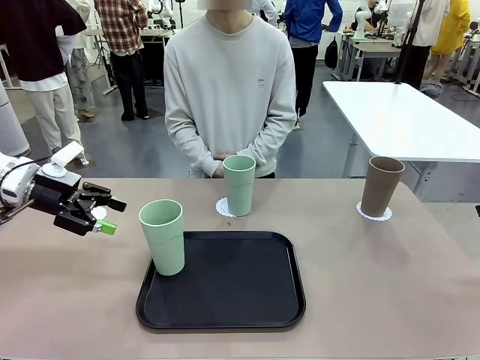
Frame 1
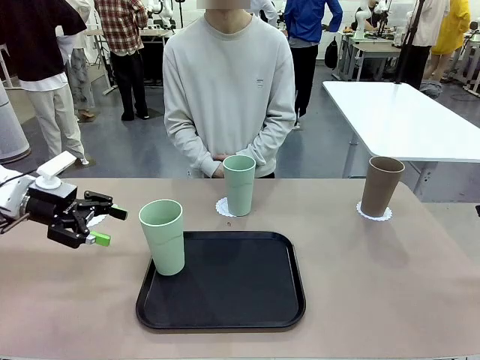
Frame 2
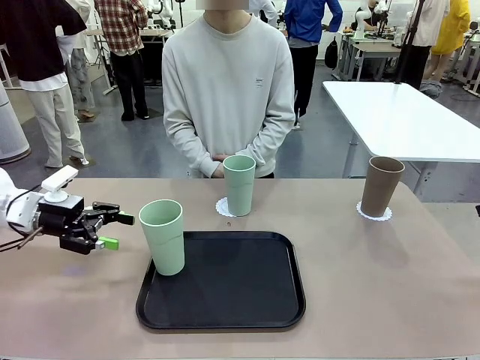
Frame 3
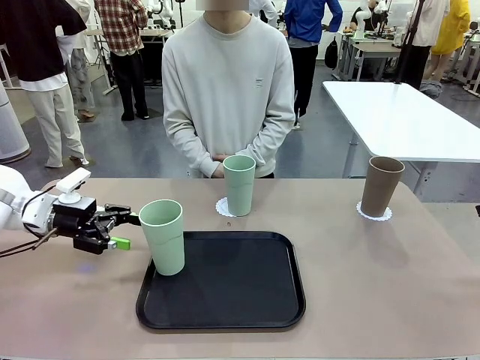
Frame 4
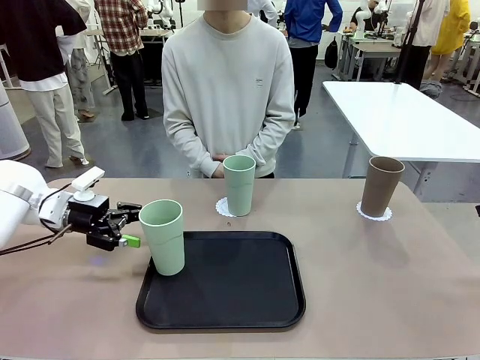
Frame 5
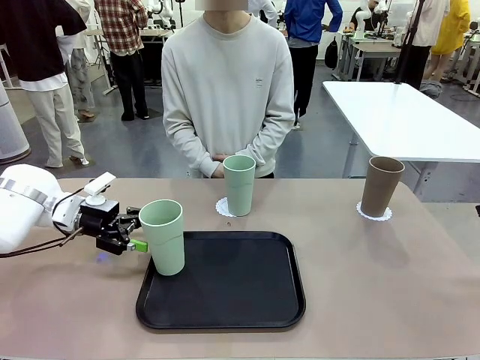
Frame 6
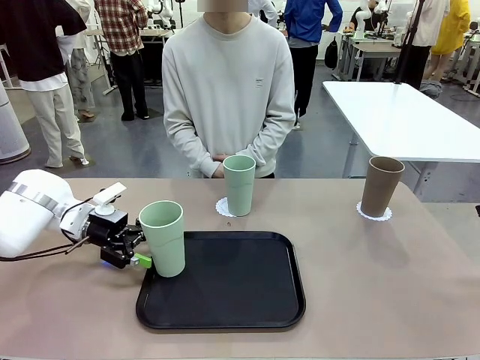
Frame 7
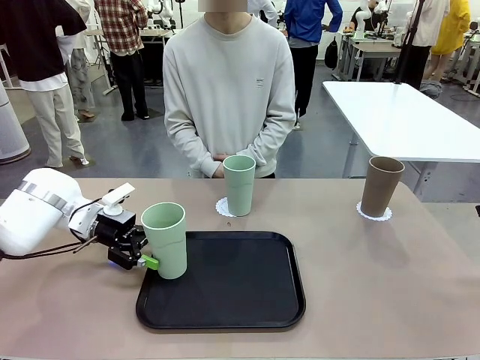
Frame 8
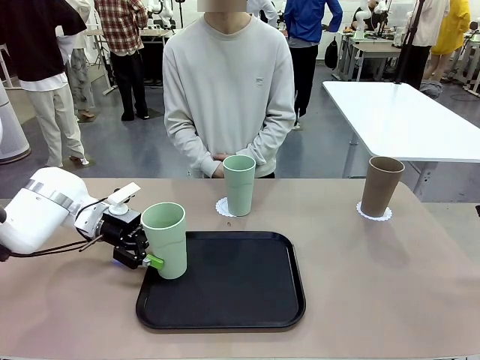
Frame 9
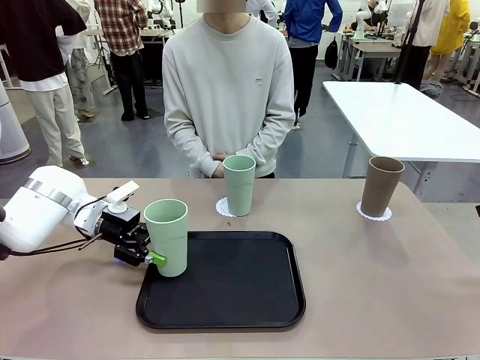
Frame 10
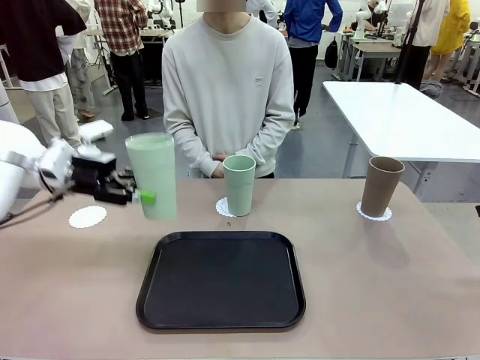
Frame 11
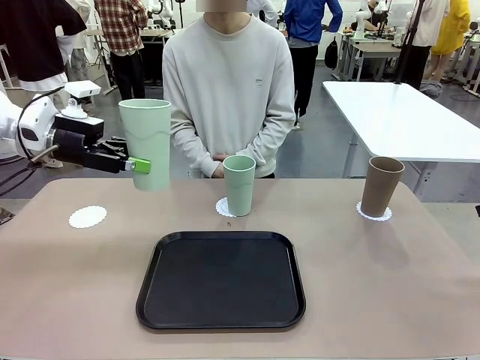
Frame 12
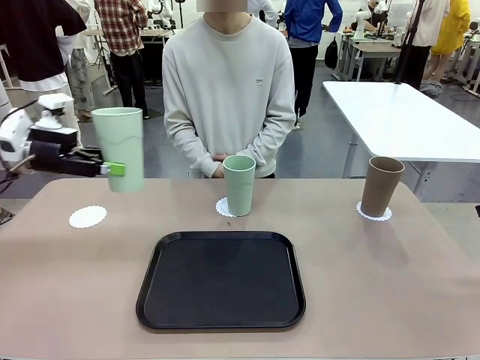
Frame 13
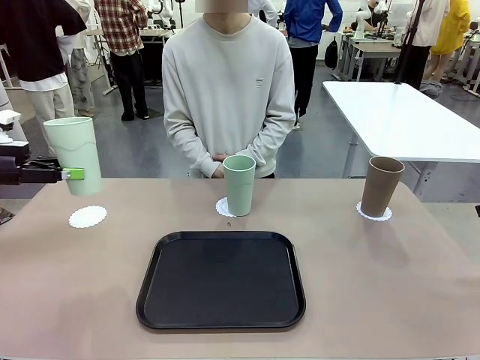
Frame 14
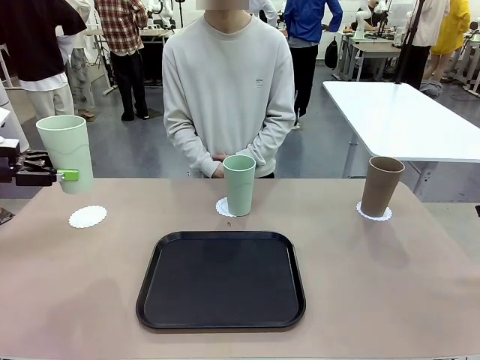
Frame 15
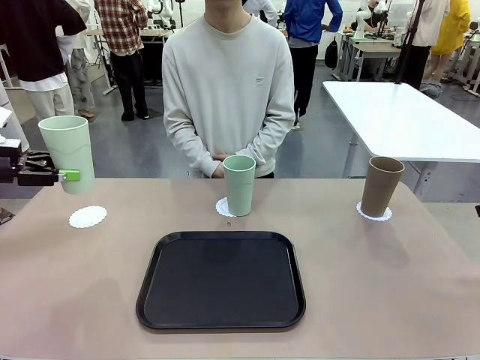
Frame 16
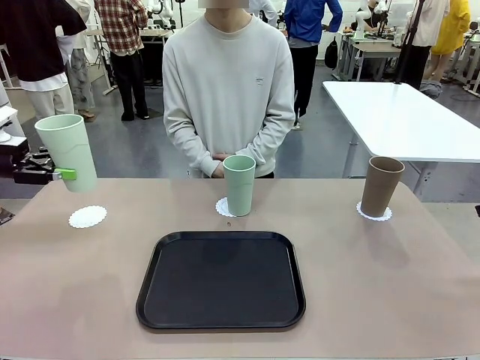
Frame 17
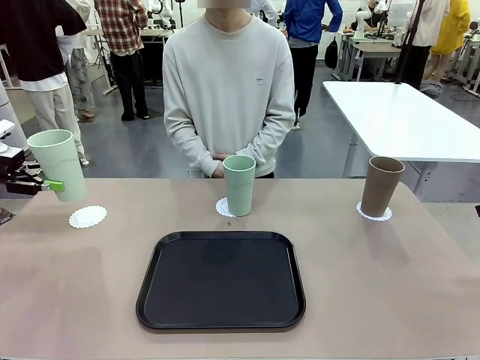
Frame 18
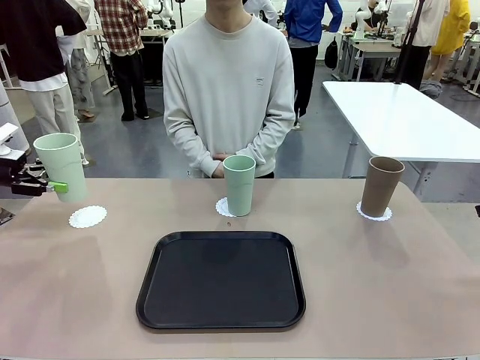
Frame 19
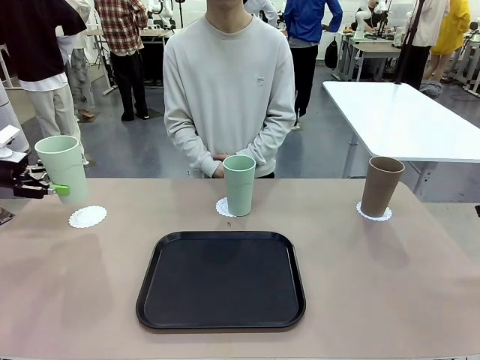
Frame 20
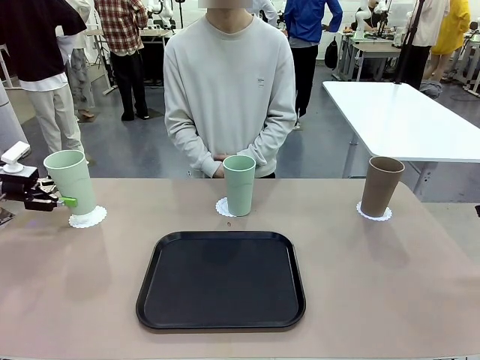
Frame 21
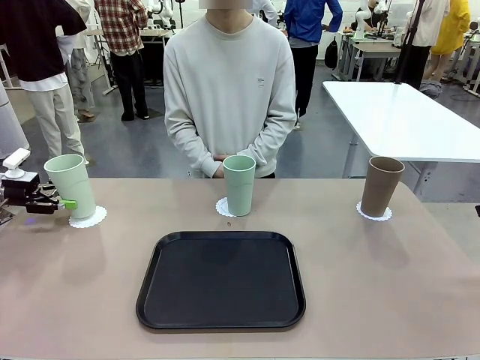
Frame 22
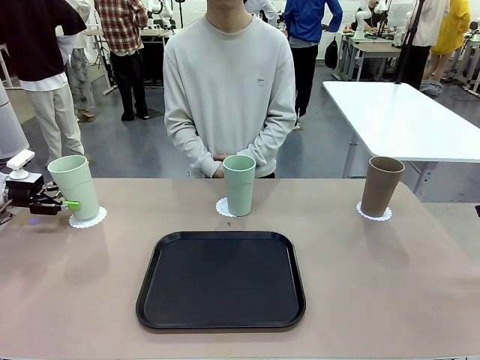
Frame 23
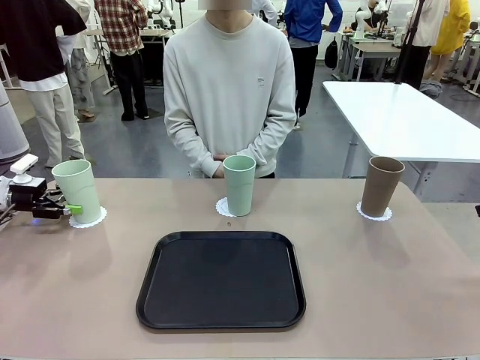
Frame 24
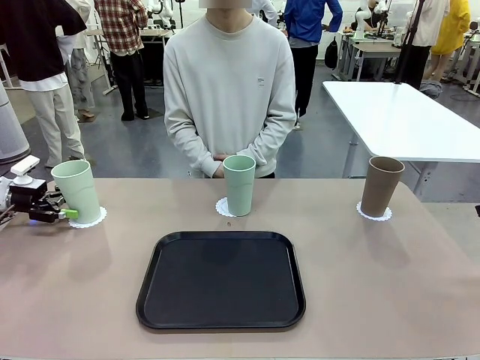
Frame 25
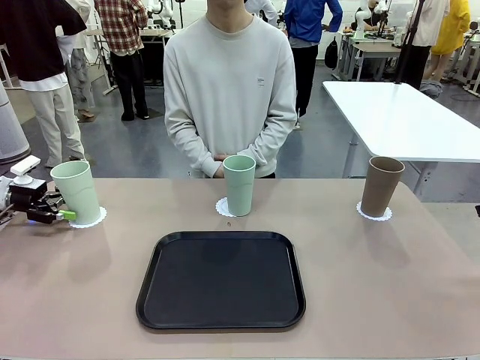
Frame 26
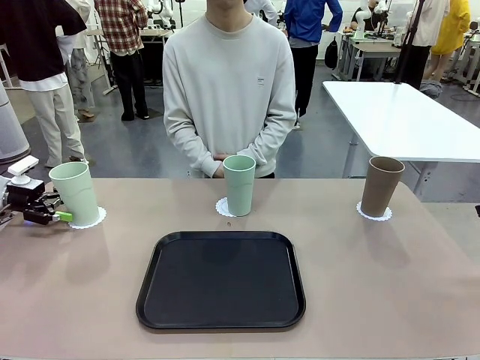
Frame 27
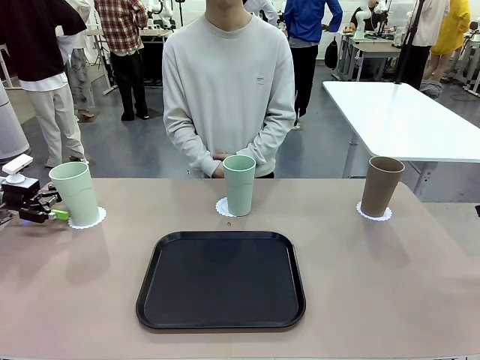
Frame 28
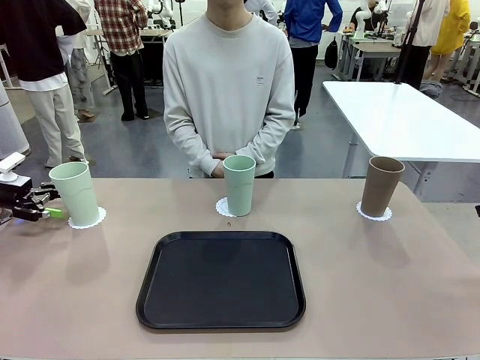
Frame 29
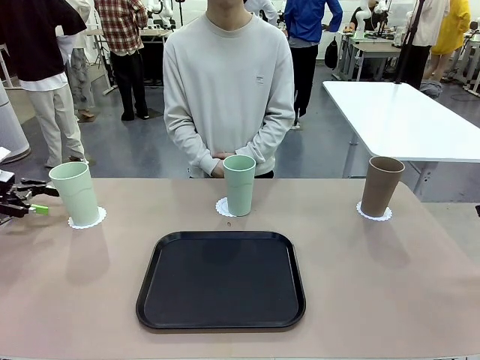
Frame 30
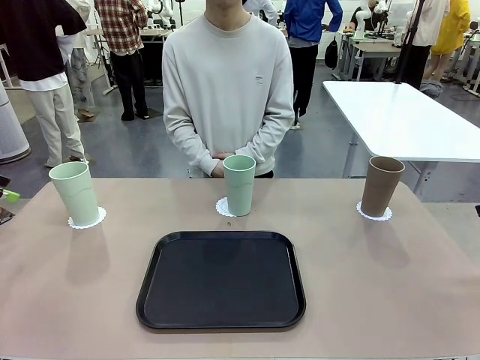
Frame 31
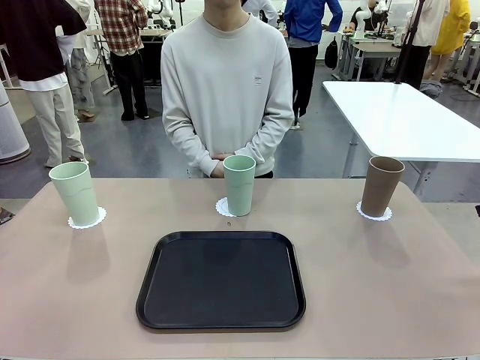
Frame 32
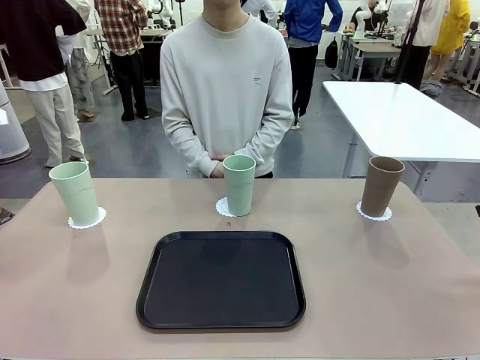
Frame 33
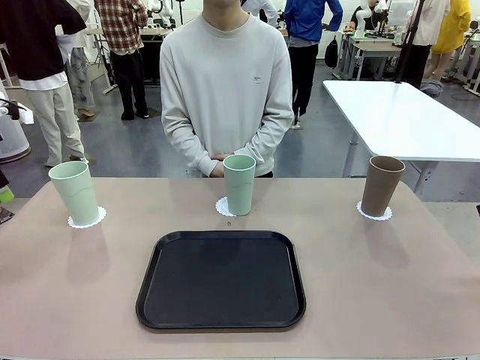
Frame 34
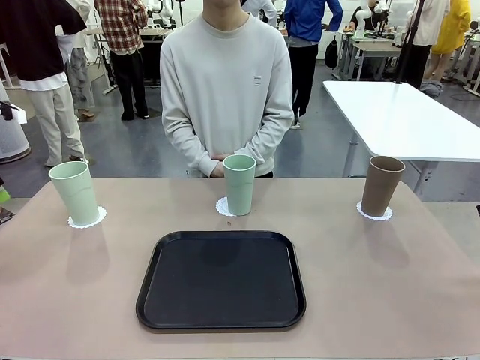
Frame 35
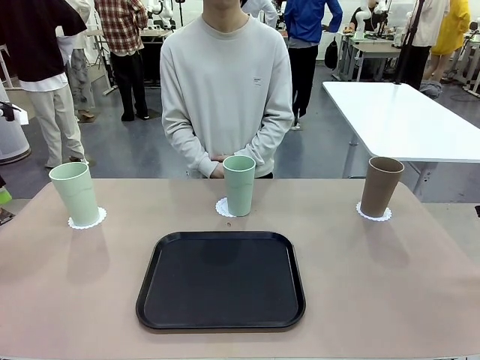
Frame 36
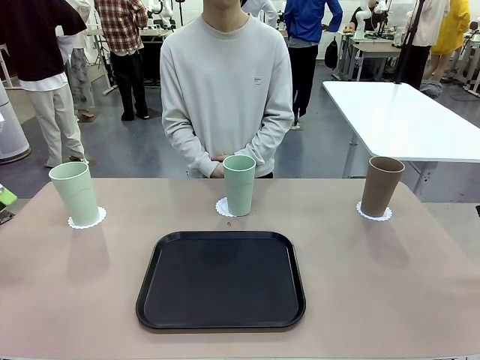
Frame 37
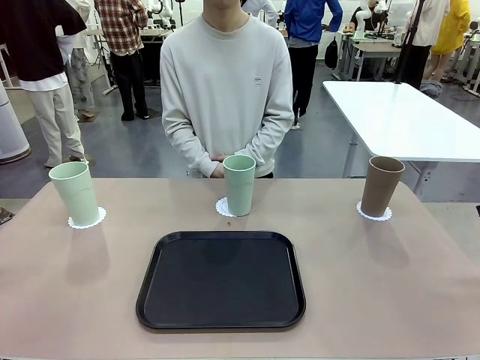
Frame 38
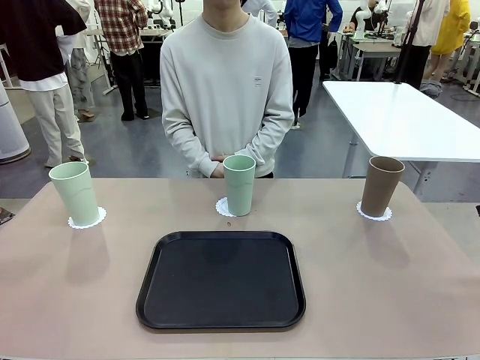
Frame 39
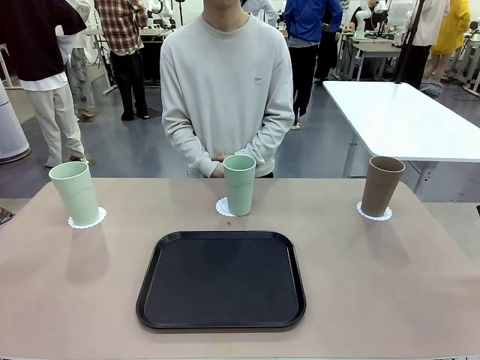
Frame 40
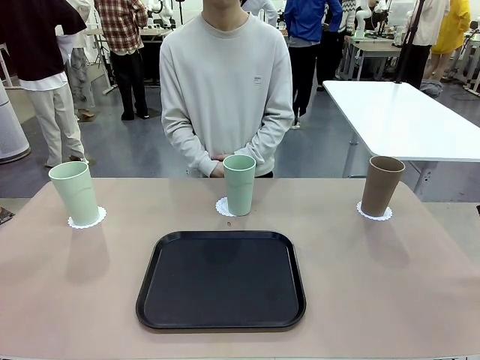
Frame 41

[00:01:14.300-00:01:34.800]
Task: Place coasters on the table and set cups on them.
Robot: Take one Reusable plastic cup from the Flat Tray and place it on a coaster set by the human.

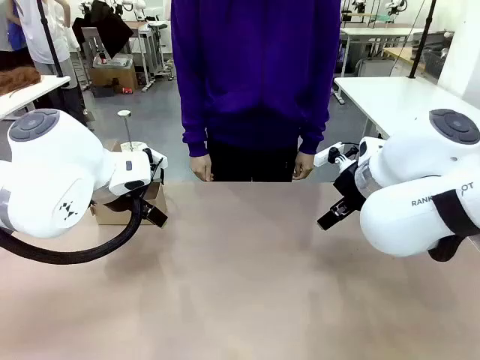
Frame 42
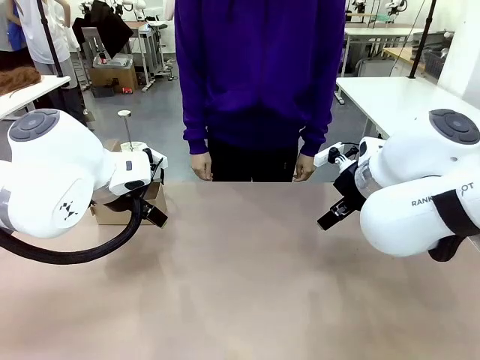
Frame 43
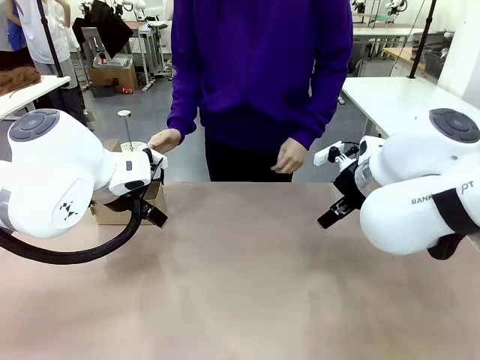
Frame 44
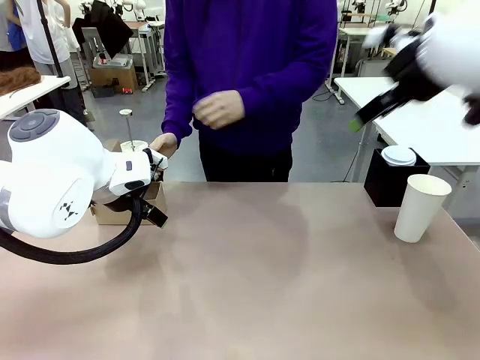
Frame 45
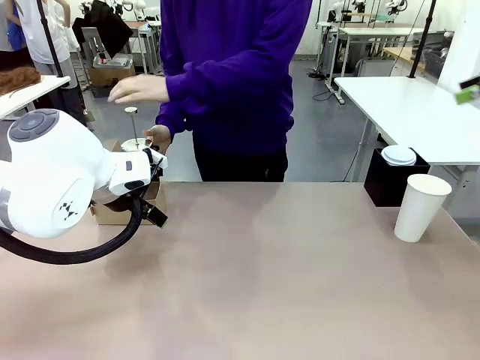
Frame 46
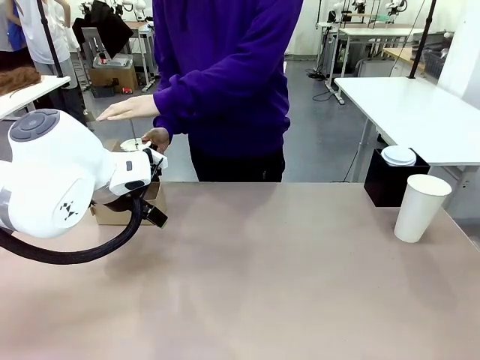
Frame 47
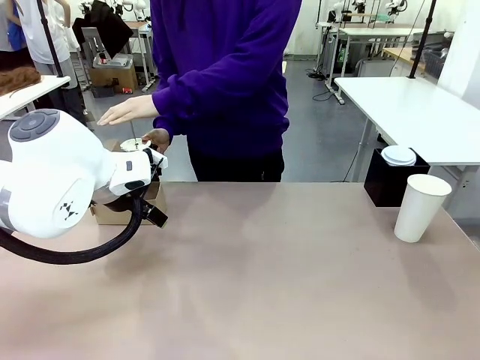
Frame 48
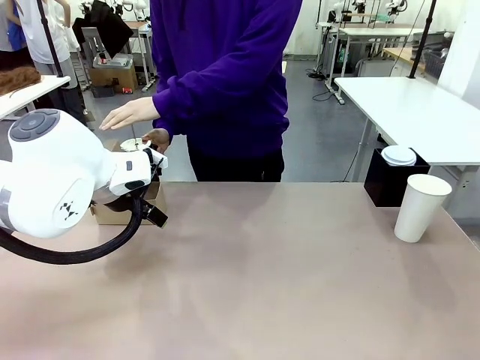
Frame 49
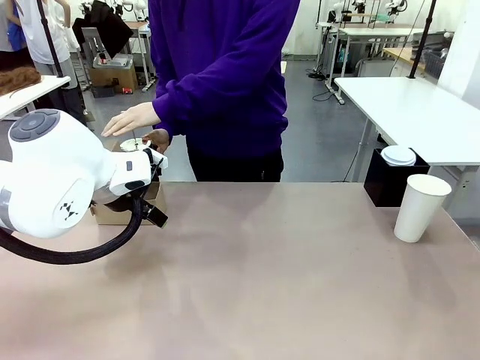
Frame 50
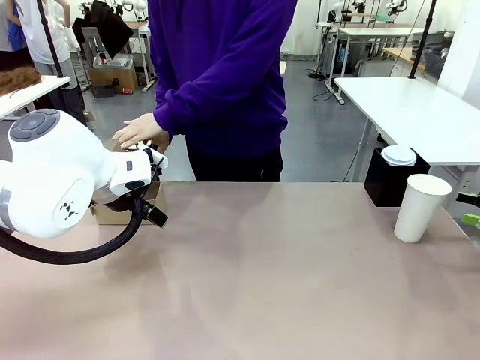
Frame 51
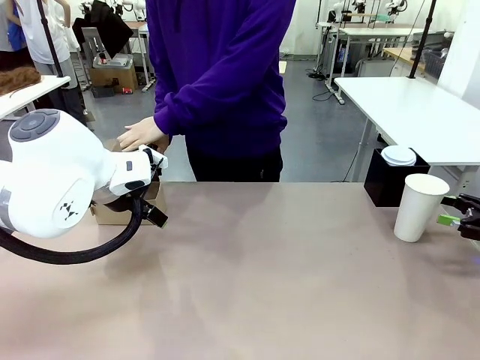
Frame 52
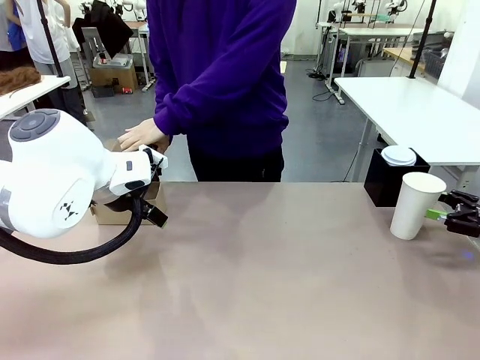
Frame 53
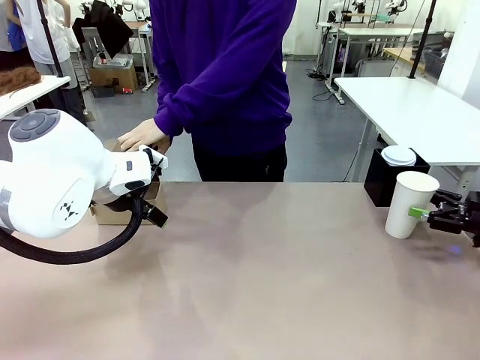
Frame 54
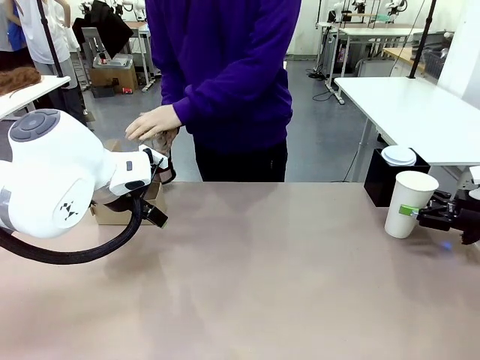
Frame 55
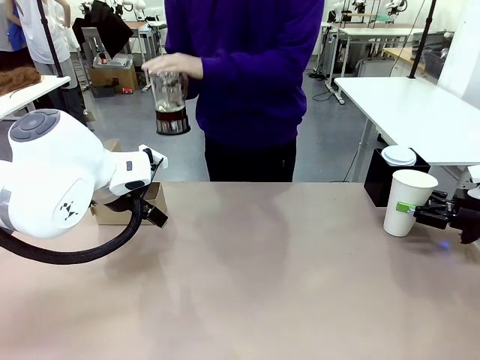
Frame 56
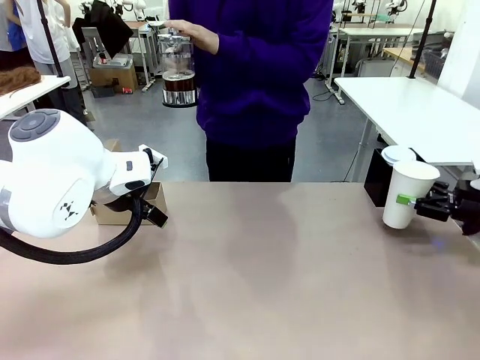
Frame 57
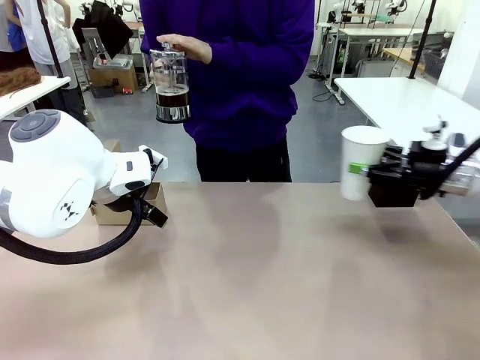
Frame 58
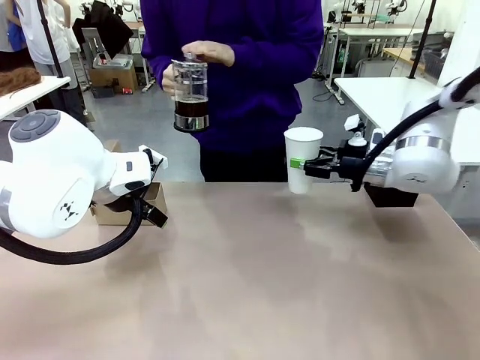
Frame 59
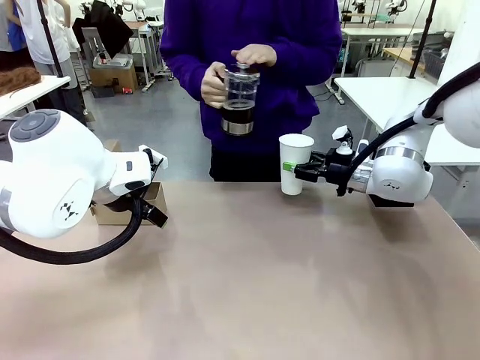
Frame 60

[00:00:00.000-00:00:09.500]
Task: Pour a drink into a cup and package it in a carrier.
Robot: Pick up the 600 ml Paper Cup and place it in the middle top area of the table.
Person: Press and pick up the Filter Brewing.
